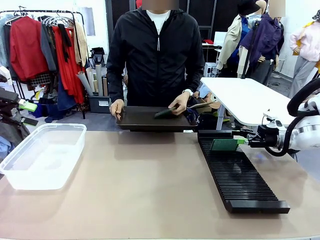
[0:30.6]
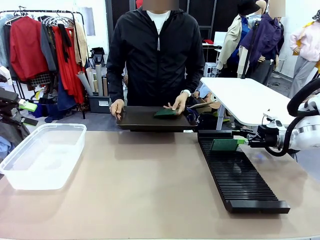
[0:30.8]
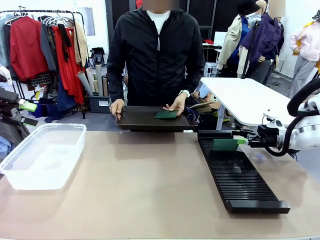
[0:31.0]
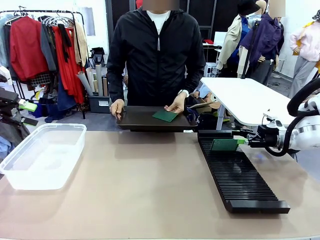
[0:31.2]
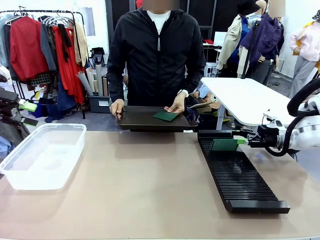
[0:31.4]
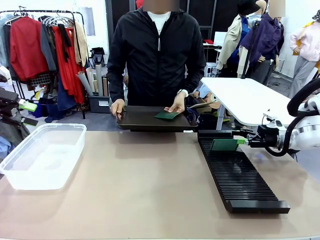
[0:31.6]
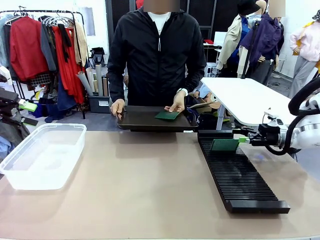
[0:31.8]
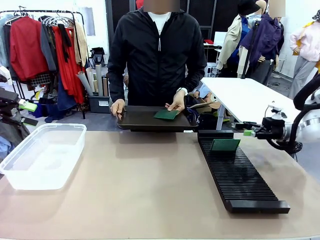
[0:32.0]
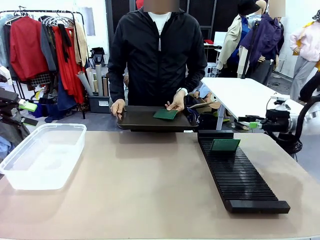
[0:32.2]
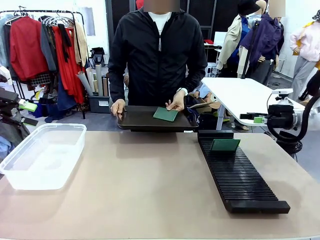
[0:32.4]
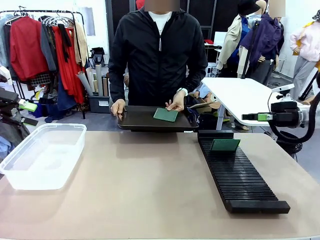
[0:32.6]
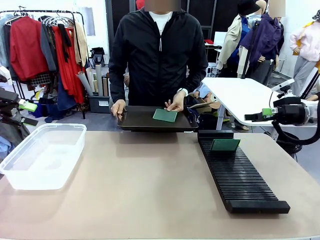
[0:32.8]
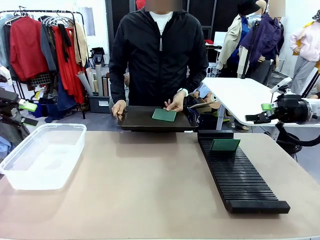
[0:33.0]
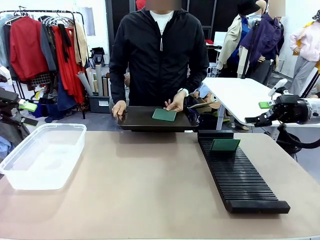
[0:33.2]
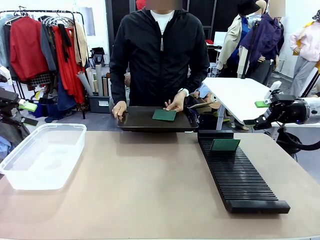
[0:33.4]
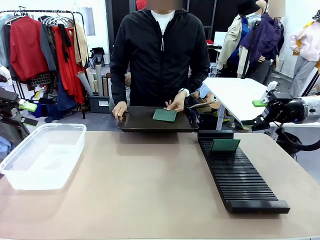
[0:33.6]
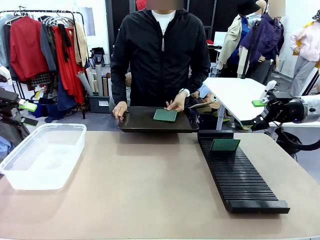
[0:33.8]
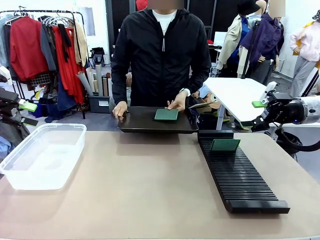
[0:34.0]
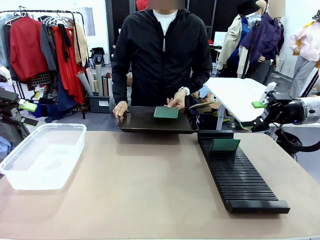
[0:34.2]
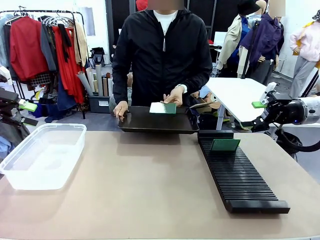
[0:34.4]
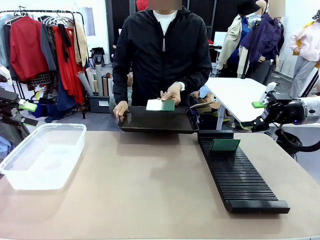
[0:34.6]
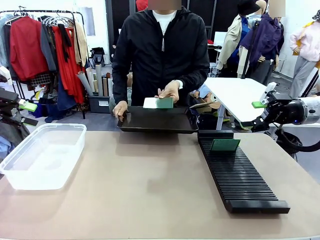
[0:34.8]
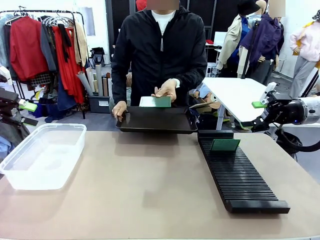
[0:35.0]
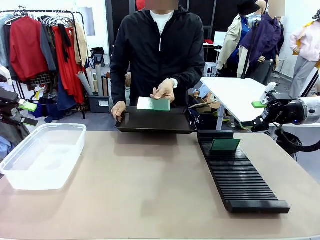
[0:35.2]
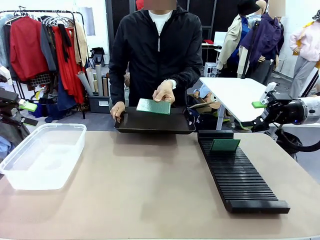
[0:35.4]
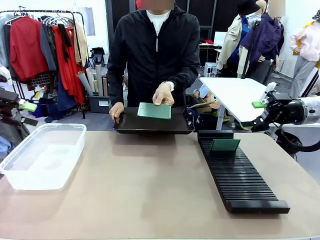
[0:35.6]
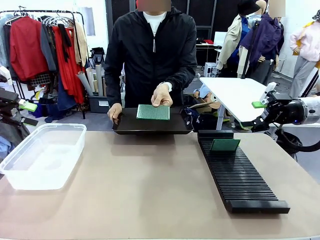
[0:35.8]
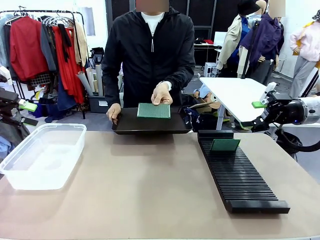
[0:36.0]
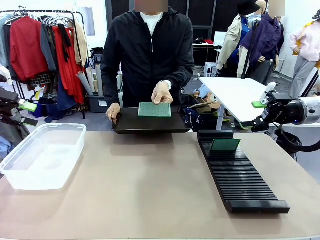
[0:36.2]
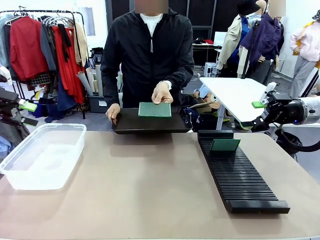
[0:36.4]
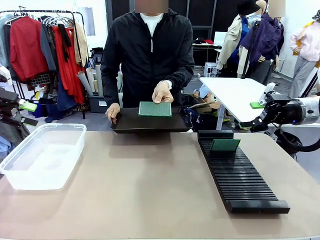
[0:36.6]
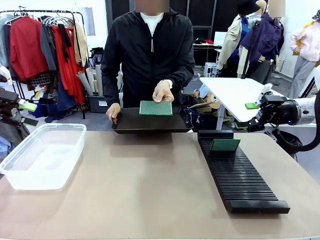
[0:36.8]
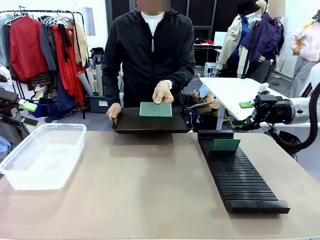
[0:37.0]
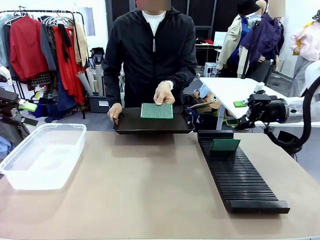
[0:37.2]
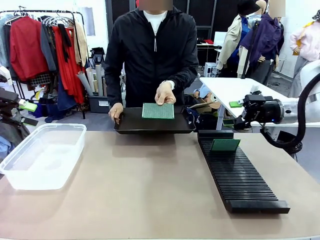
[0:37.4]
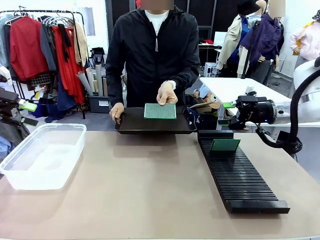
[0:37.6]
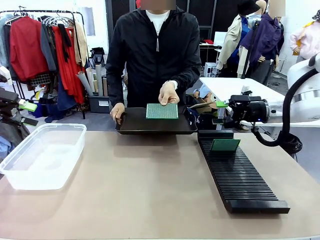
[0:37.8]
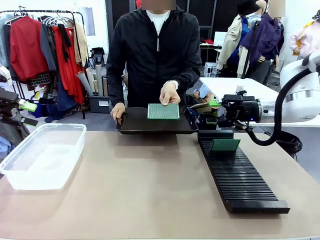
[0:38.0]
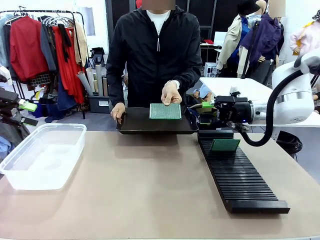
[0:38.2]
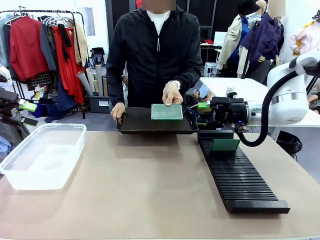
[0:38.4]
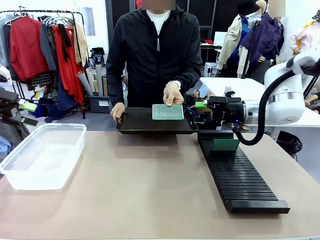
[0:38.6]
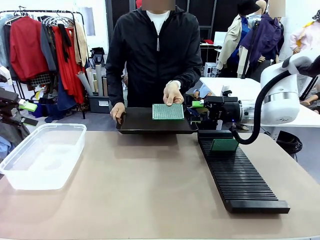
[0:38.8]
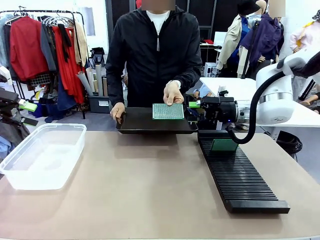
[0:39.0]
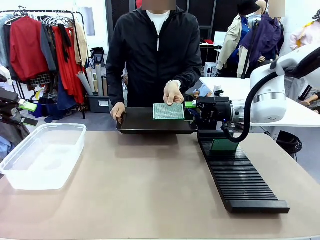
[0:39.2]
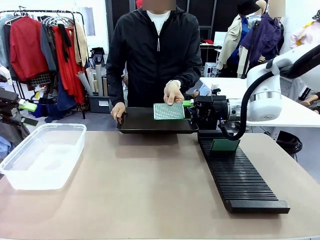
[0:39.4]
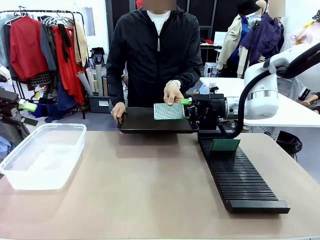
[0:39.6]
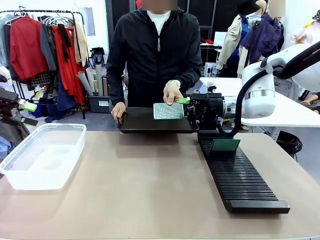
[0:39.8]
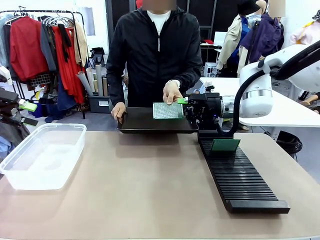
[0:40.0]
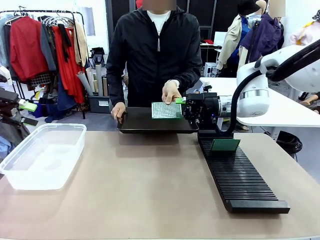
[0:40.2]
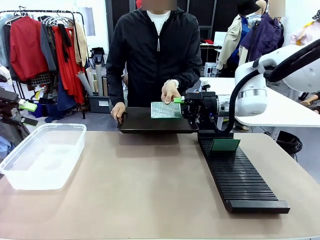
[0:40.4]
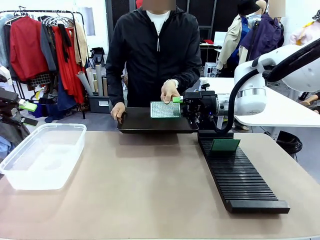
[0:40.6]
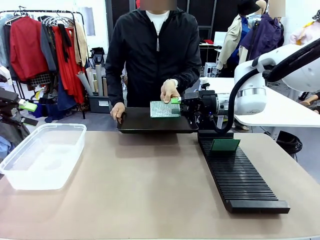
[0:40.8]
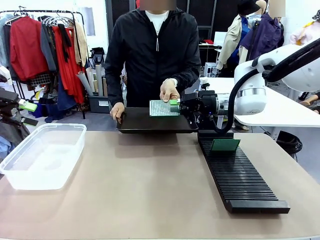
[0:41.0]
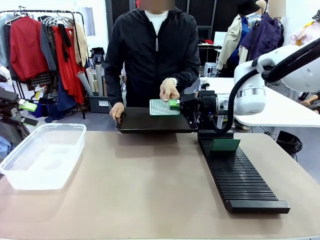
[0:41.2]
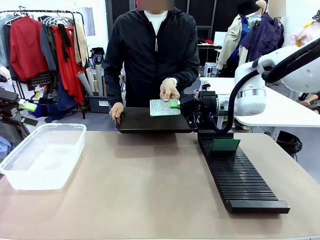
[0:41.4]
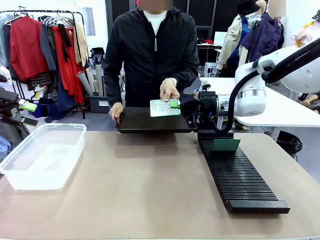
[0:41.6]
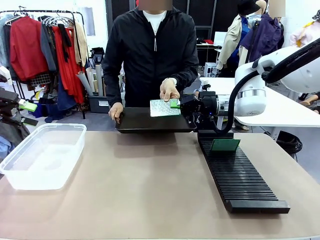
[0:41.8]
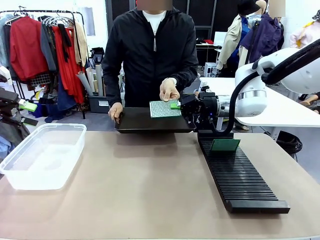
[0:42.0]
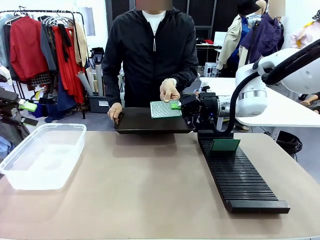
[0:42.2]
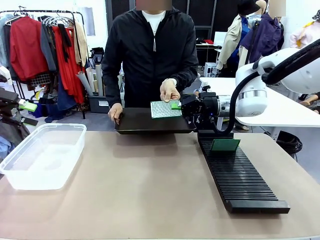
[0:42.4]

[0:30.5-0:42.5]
Task: Sort PCBs into racks and boxes based on the side picked up.
Robot: Pick up the Blank PCB handed by the Human.

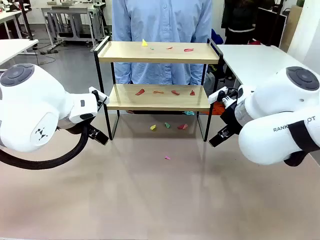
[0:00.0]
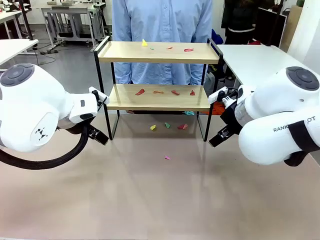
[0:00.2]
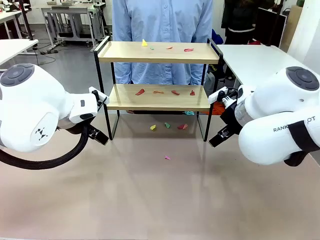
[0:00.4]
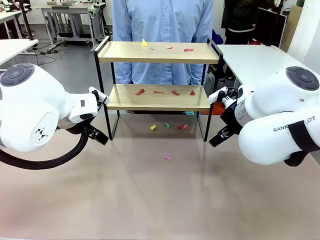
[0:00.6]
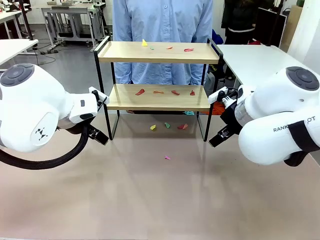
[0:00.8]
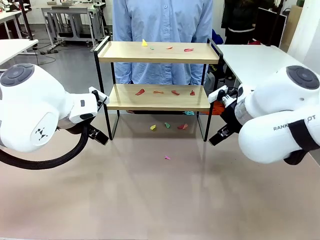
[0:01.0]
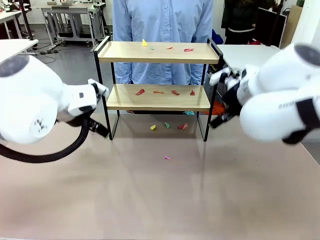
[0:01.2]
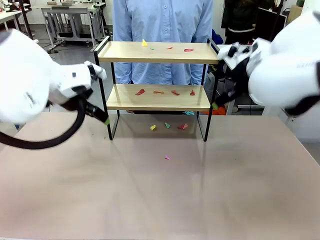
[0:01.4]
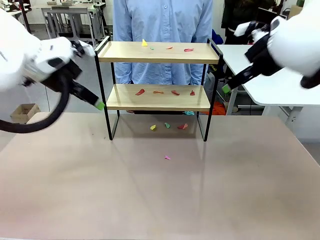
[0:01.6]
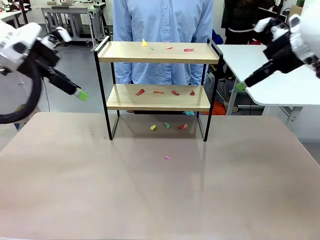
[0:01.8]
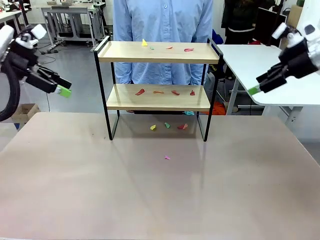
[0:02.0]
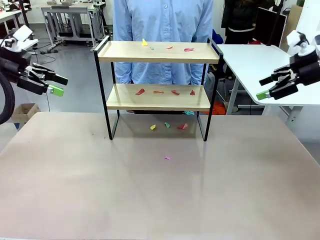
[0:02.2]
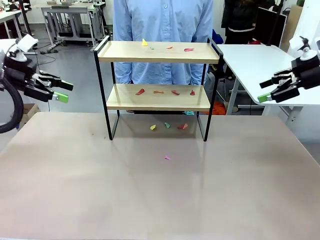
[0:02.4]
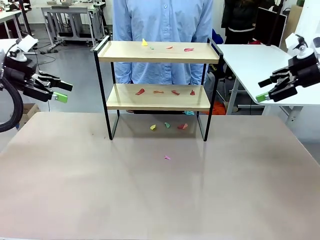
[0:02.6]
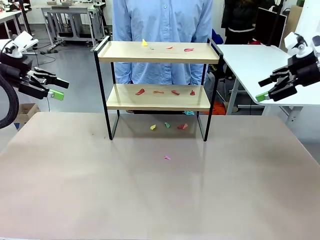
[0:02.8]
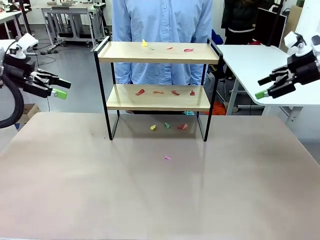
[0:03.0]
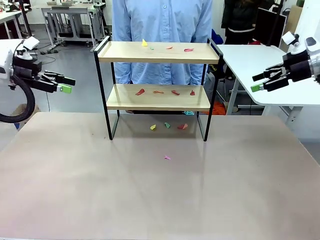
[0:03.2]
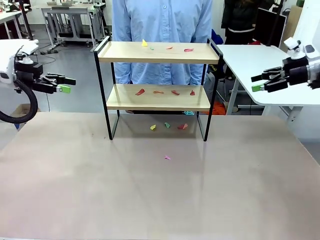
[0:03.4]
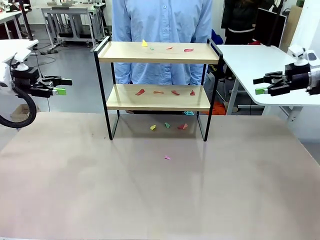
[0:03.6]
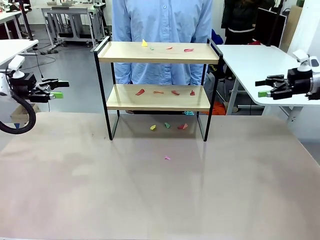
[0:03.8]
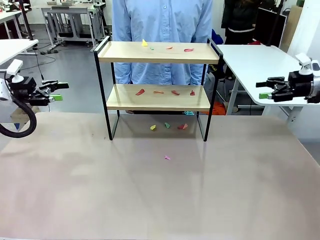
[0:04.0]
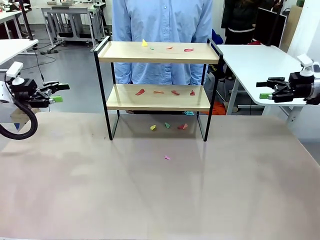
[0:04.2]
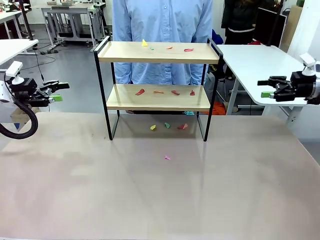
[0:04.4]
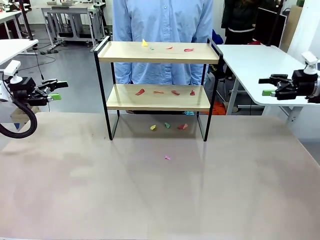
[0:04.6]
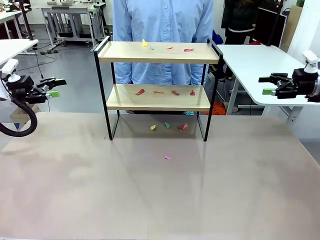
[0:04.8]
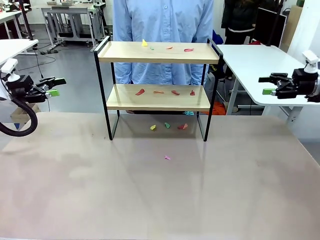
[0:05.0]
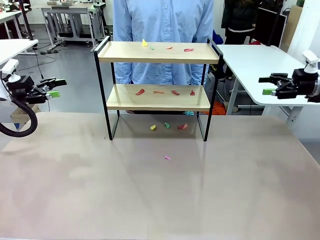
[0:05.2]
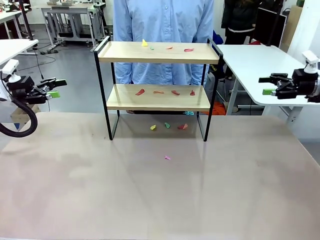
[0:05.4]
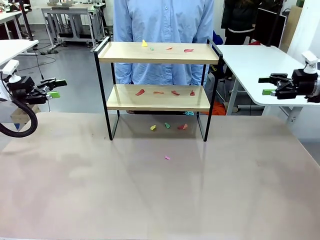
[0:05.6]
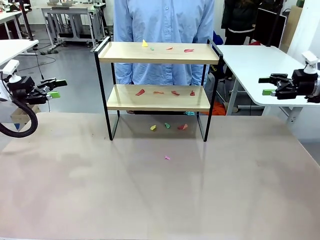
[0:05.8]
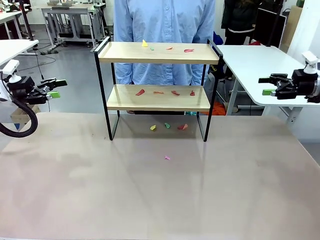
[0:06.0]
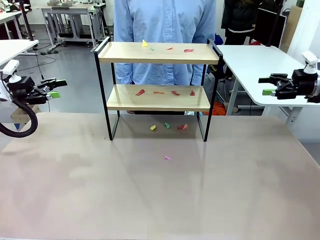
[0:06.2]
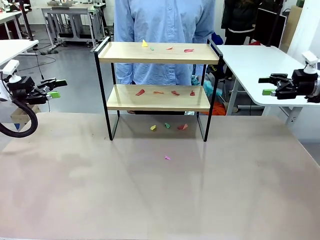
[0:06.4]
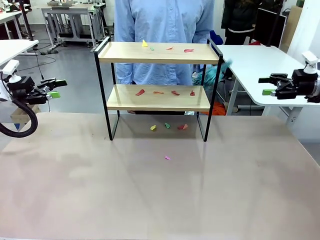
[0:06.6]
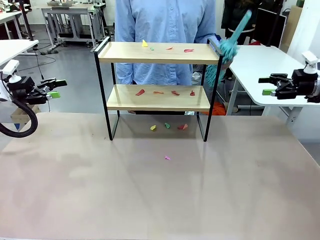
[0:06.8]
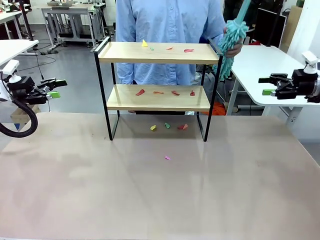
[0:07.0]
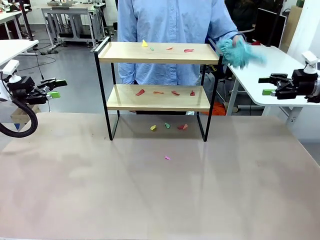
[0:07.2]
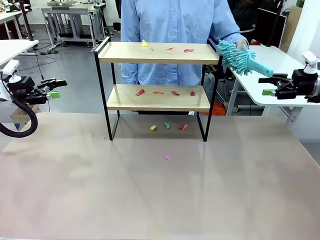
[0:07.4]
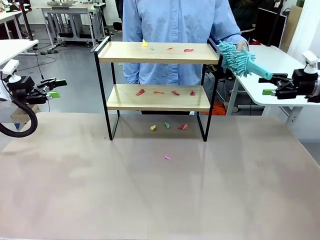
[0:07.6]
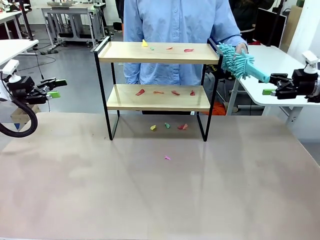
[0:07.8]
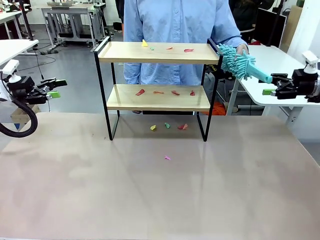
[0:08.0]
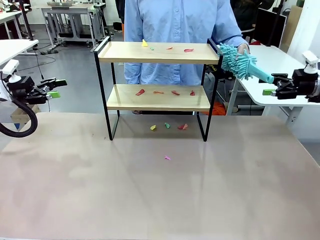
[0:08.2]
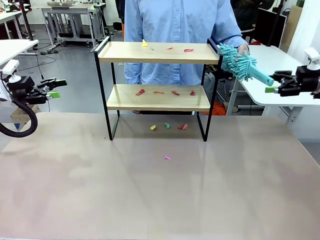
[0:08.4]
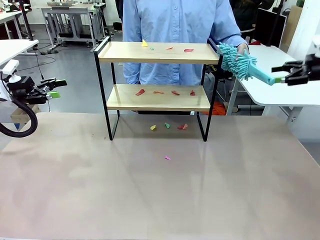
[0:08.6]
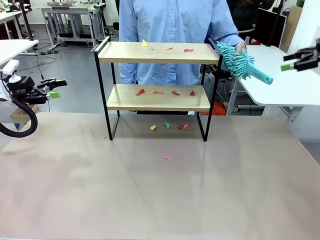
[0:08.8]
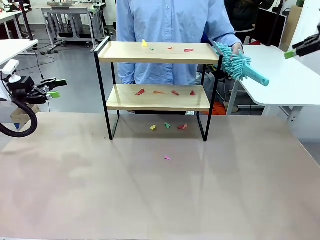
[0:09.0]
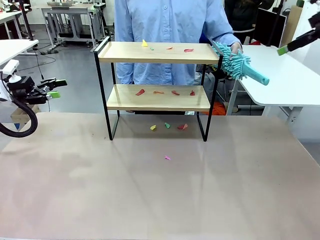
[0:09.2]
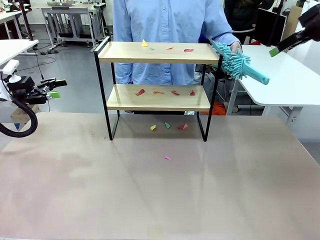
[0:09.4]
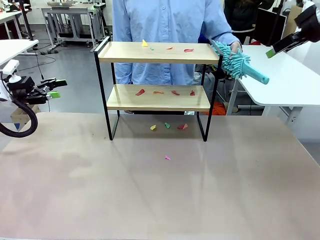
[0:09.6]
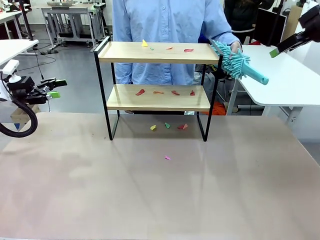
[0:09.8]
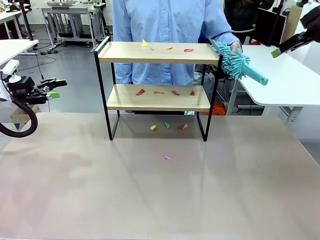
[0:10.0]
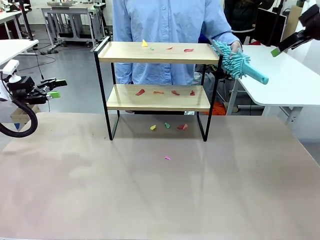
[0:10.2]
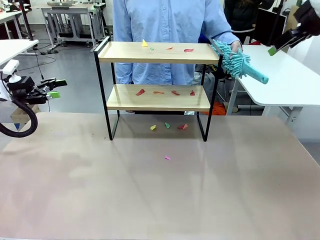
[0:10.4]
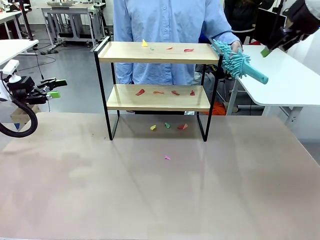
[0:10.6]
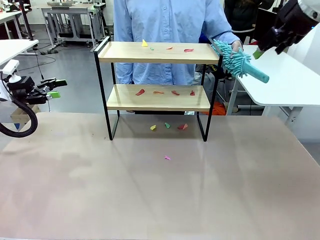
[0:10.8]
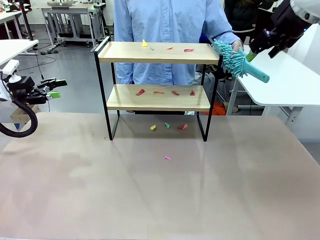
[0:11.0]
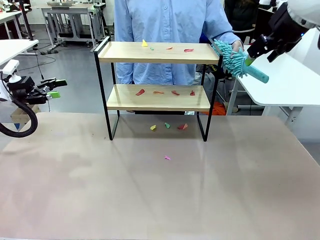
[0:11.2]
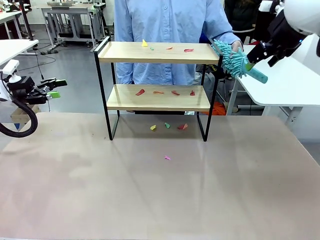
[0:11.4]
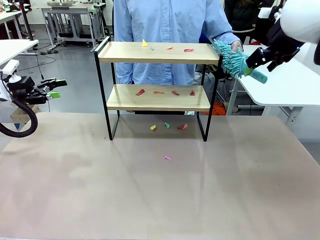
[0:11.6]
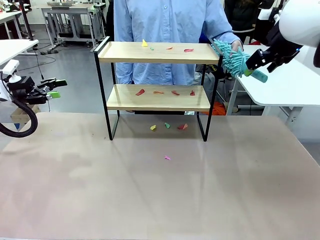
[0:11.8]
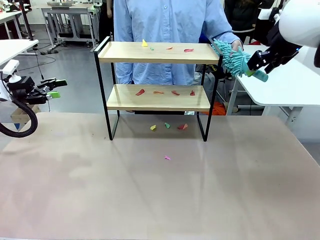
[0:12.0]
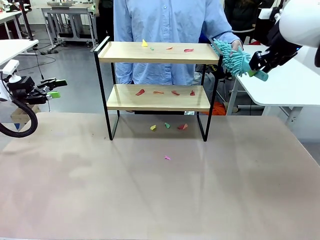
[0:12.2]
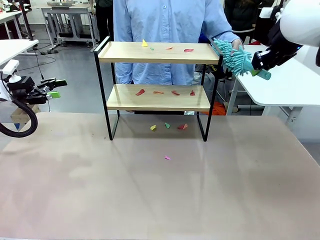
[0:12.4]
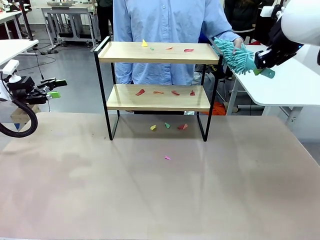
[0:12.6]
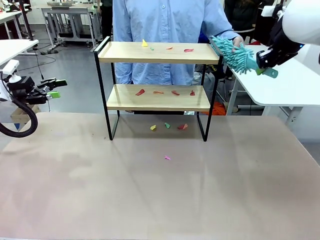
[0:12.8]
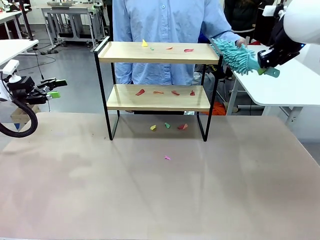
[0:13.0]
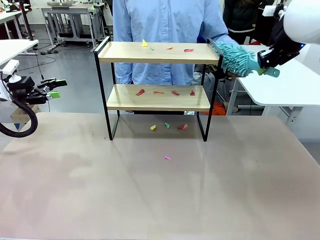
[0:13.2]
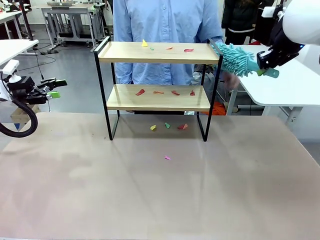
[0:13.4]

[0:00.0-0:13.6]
Task: Clean the shelf.
Robot: Pick up the Duster handed by the human.
Person: Hand the Duster to the robot.
